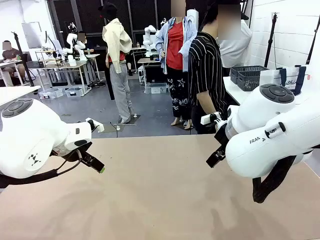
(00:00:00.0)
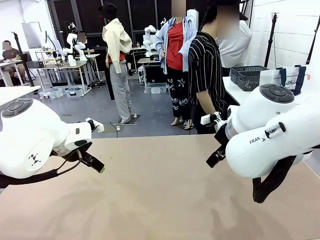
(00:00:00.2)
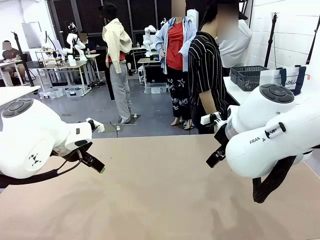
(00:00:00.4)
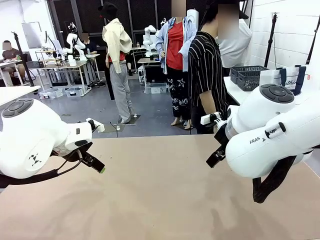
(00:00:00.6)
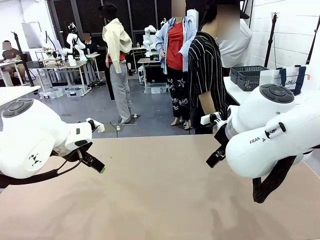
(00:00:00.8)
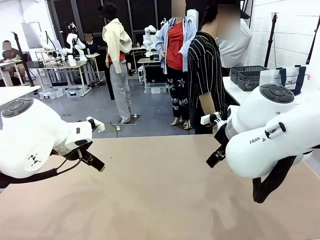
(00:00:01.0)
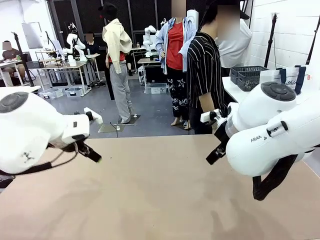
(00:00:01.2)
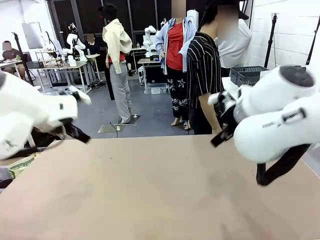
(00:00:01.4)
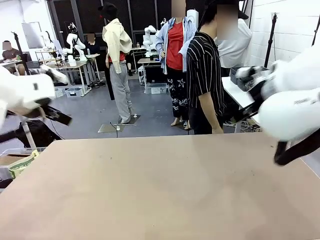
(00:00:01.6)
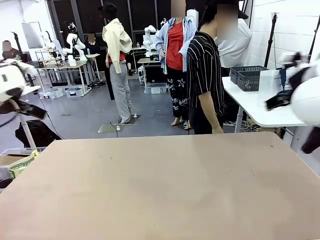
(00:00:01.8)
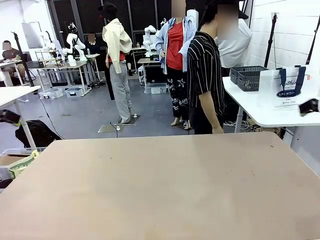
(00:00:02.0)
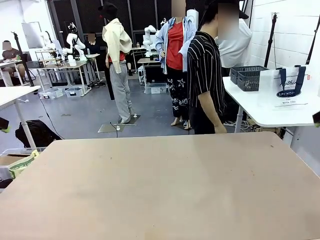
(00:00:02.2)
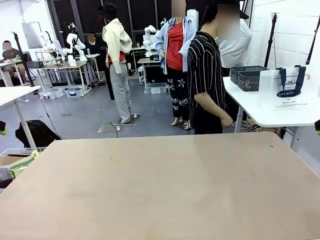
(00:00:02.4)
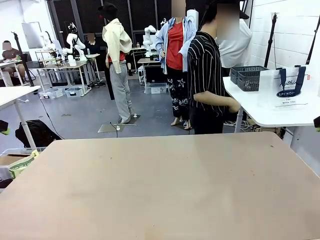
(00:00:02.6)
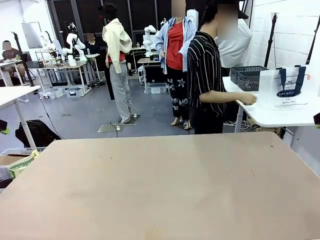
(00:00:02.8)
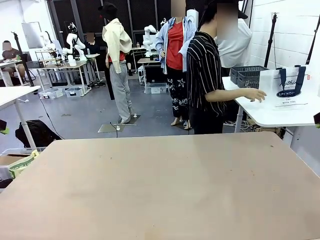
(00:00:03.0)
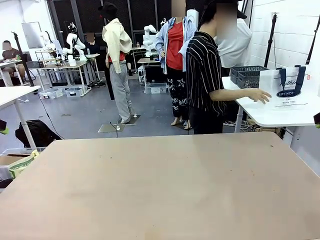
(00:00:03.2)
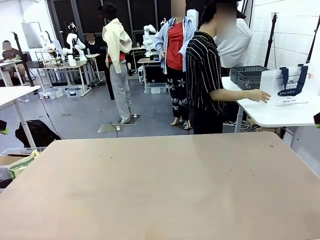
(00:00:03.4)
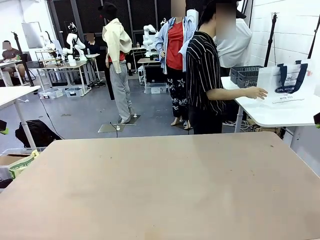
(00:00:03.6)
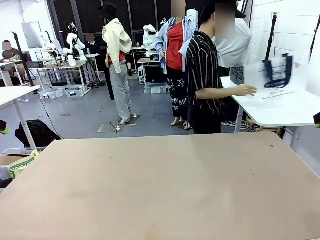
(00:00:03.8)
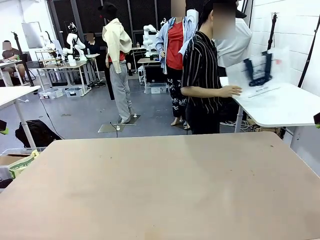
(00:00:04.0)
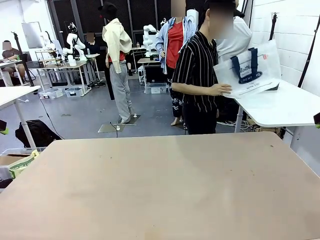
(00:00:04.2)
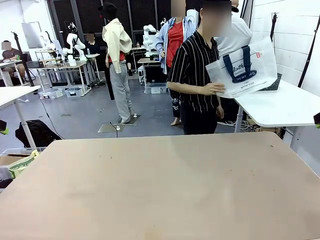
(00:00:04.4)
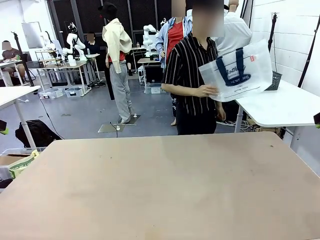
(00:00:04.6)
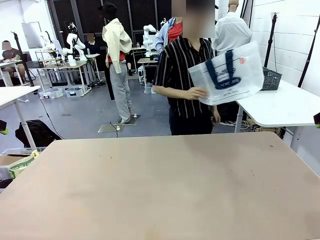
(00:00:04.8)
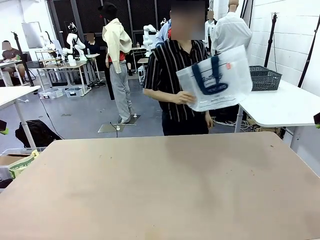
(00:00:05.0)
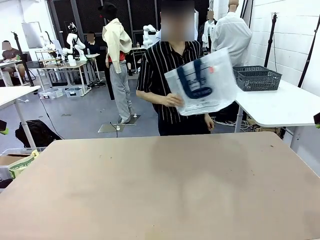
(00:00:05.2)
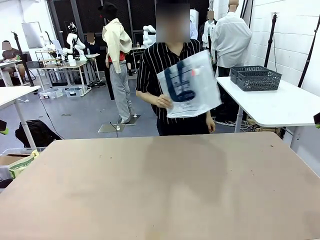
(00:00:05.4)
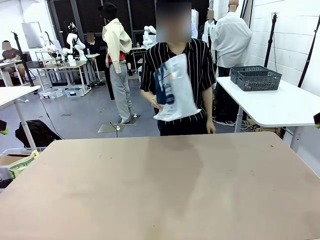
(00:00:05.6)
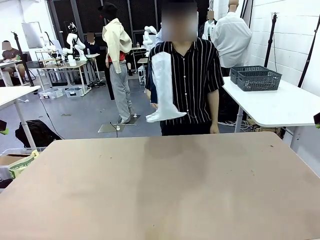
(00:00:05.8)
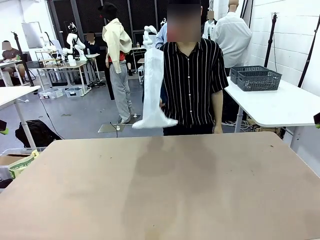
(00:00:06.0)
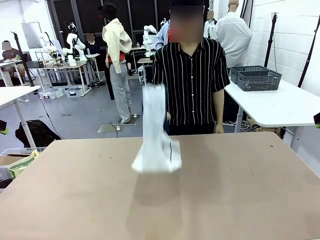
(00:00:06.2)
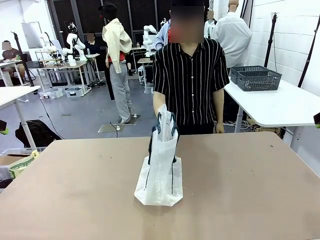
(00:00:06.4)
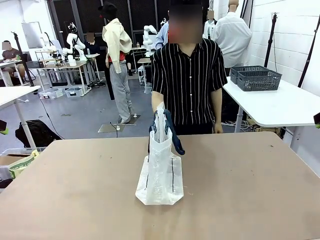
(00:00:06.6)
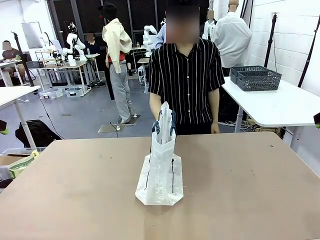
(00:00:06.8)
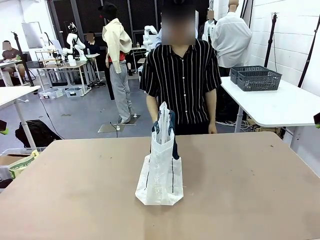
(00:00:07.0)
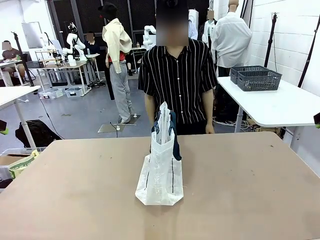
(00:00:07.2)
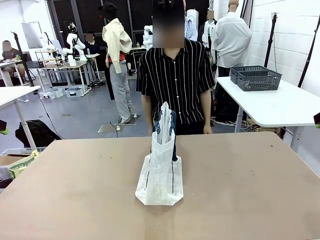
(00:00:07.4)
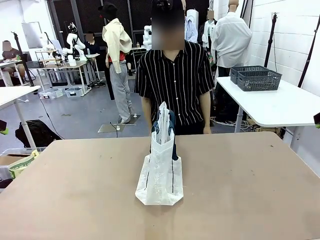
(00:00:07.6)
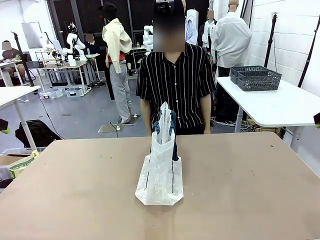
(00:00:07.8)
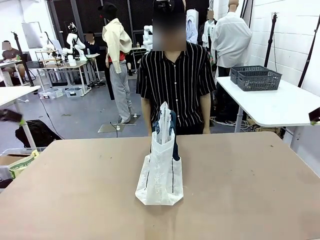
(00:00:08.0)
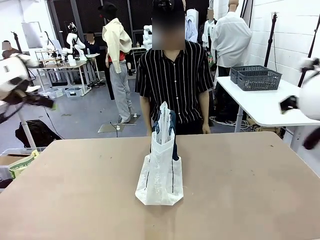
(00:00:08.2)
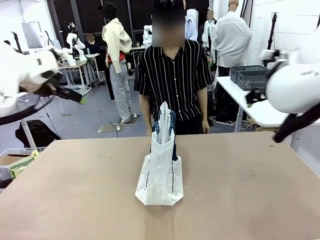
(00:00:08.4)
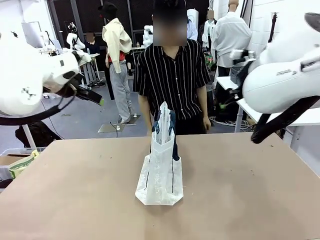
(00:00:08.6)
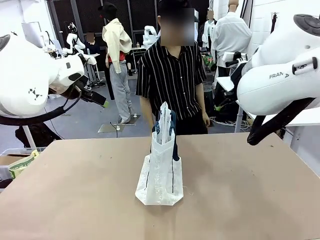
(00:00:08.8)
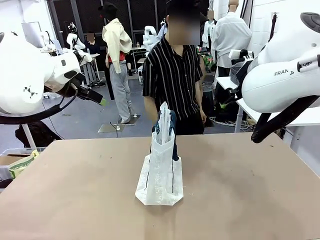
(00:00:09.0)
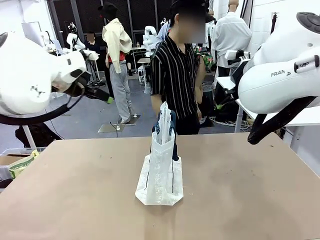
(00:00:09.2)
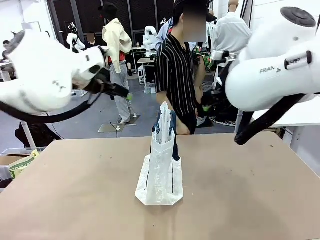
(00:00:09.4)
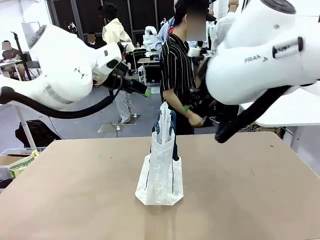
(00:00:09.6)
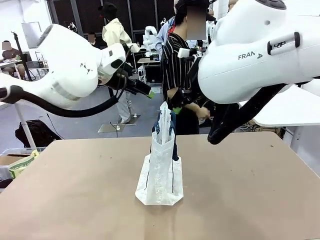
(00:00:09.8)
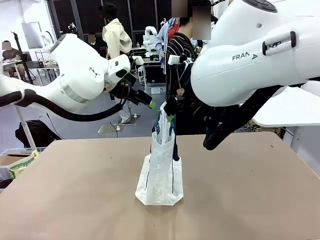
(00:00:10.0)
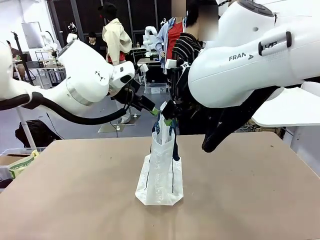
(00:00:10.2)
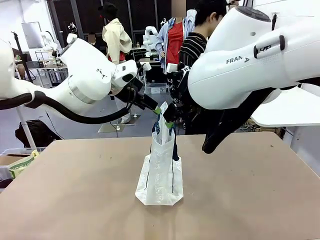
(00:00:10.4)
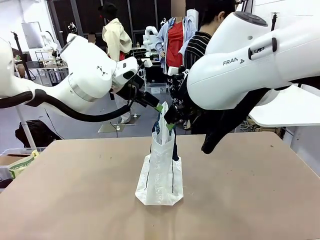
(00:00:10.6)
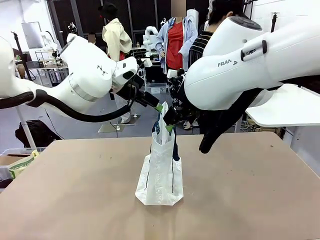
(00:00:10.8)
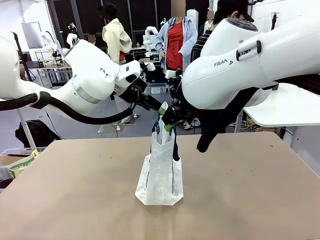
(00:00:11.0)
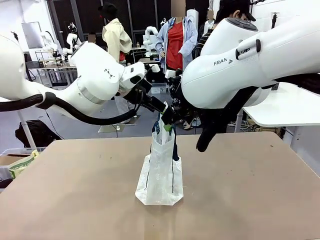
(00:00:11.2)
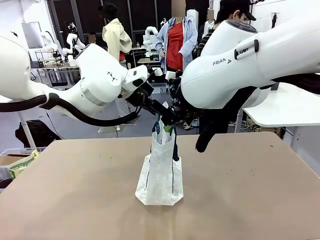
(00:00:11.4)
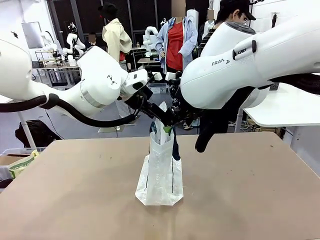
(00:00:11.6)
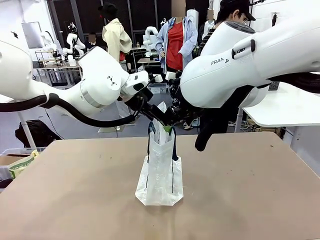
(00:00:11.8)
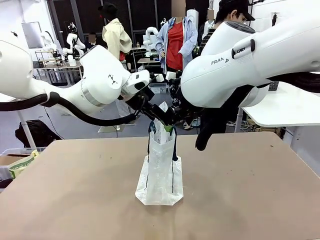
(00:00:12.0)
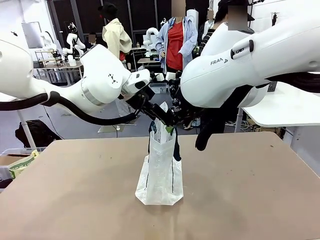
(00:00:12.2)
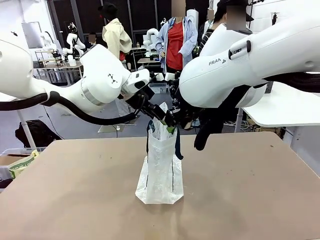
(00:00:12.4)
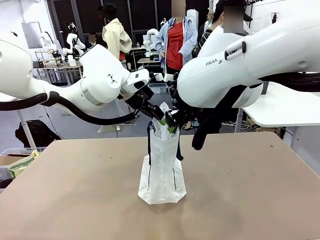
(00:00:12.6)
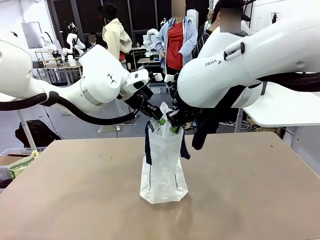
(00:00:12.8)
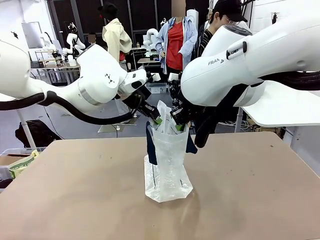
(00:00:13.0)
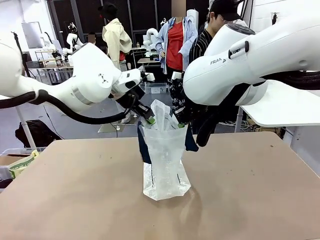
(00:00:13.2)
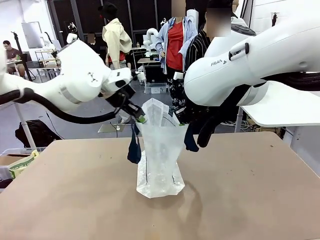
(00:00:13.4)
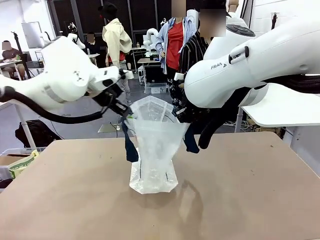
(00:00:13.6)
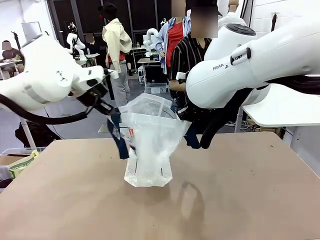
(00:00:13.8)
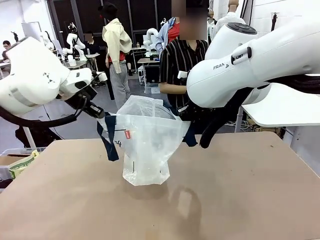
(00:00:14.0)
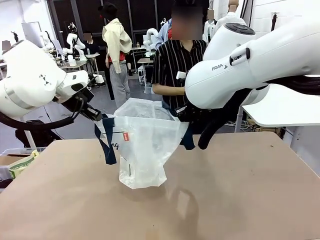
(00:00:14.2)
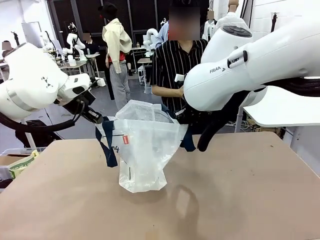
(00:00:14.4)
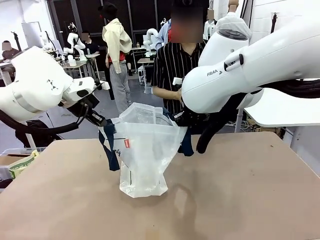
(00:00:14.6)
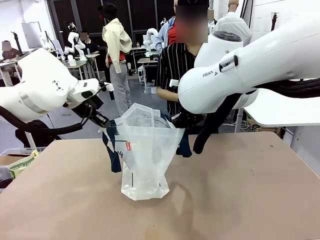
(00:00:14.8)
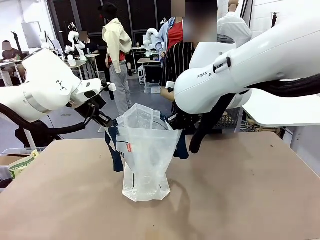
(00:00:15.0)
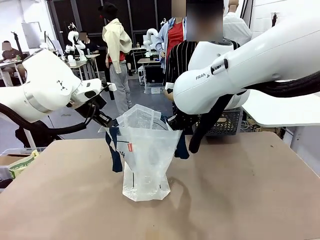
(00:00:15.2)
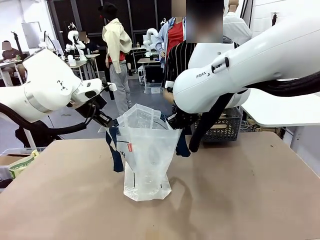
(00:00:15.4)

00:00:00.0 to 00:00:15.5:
Task: Transfer purchased items from the store into the shopping bag.
Robot: Open the Reusable shopping bag in the center of the table.
Person: Pick up the shopping bag and place it in the middle of the robot table. Pick up the basket on the right, place it on the left side of the robot table, and move the items in the basket to the shopping bag.
